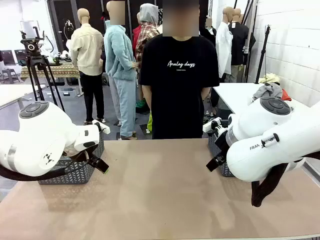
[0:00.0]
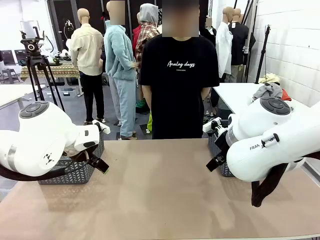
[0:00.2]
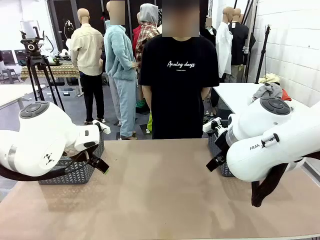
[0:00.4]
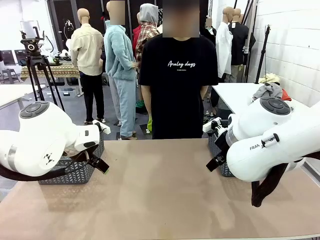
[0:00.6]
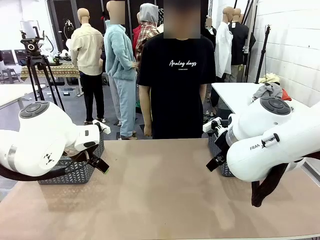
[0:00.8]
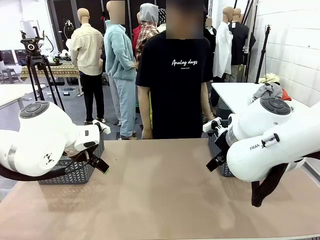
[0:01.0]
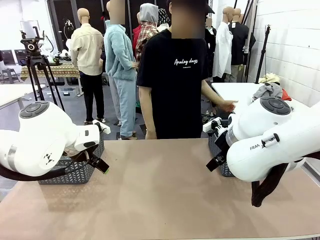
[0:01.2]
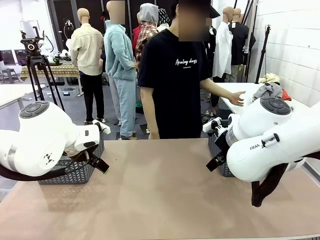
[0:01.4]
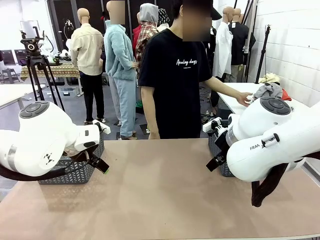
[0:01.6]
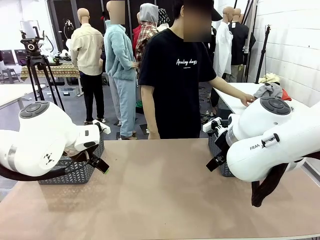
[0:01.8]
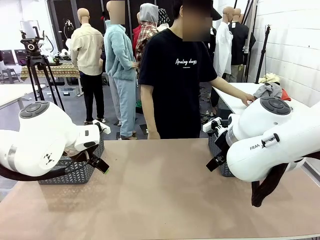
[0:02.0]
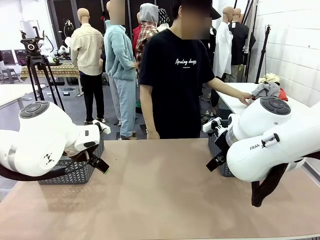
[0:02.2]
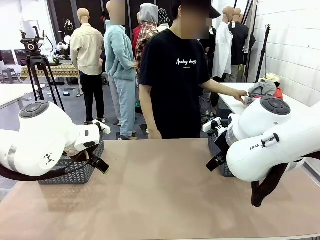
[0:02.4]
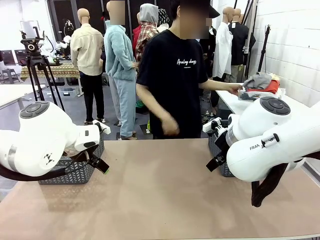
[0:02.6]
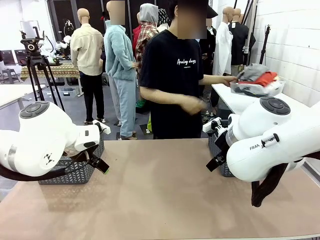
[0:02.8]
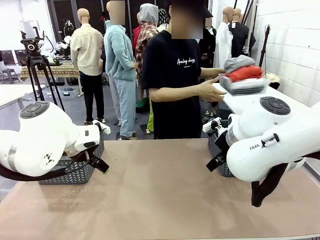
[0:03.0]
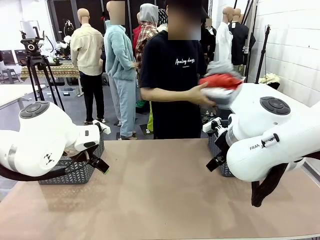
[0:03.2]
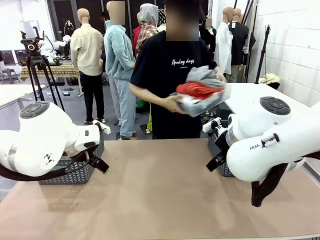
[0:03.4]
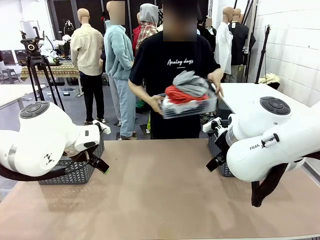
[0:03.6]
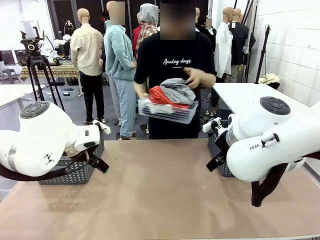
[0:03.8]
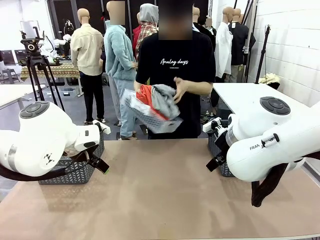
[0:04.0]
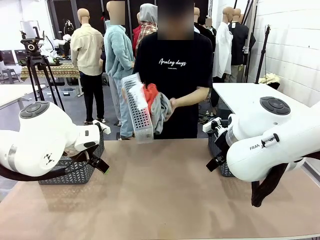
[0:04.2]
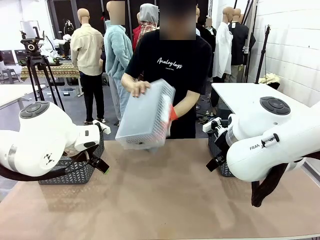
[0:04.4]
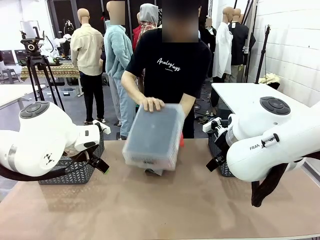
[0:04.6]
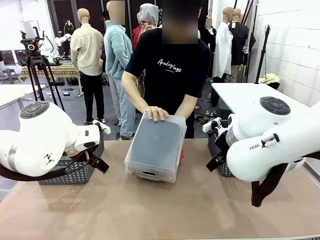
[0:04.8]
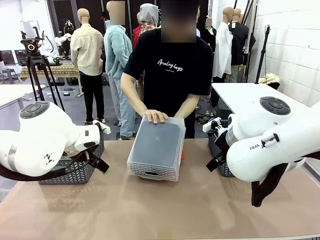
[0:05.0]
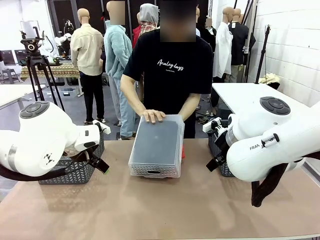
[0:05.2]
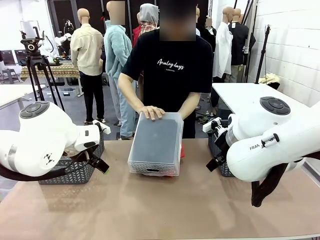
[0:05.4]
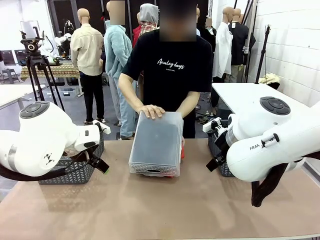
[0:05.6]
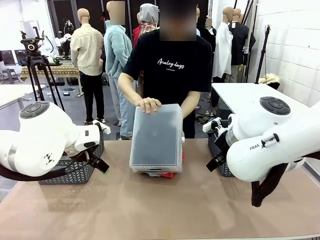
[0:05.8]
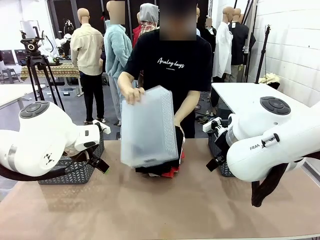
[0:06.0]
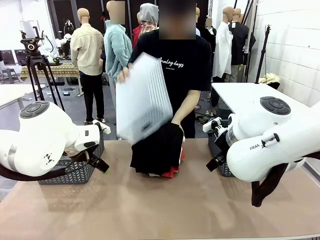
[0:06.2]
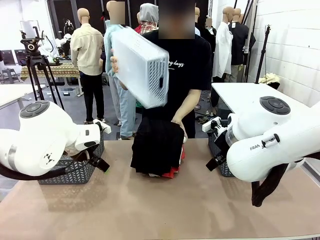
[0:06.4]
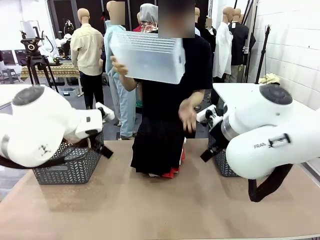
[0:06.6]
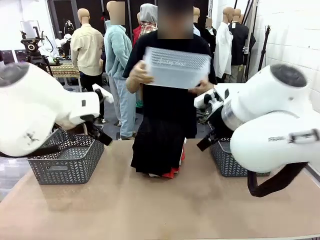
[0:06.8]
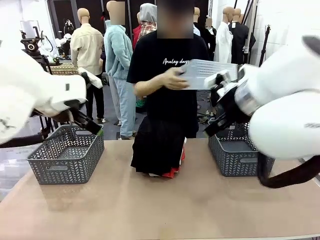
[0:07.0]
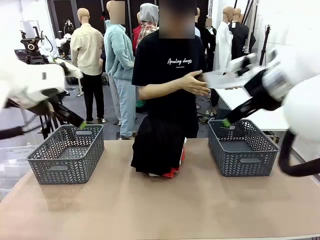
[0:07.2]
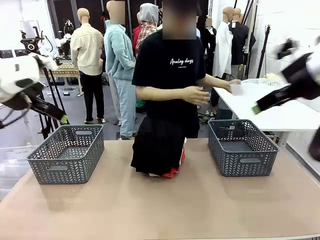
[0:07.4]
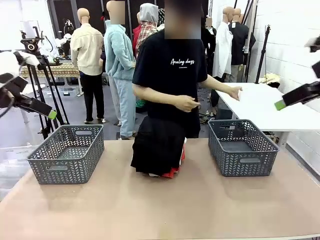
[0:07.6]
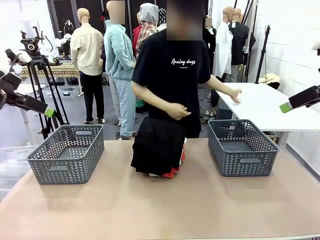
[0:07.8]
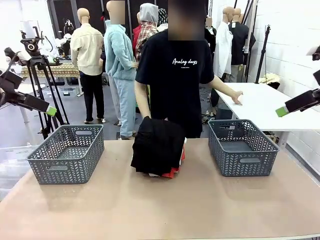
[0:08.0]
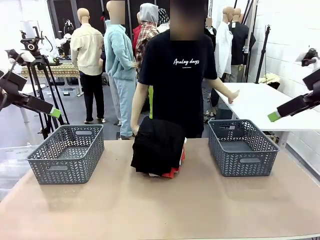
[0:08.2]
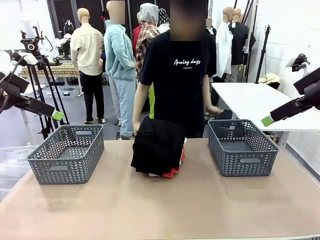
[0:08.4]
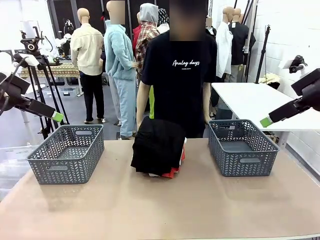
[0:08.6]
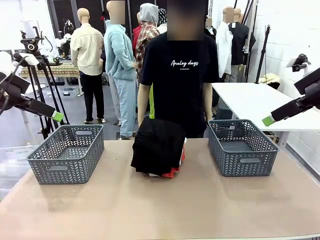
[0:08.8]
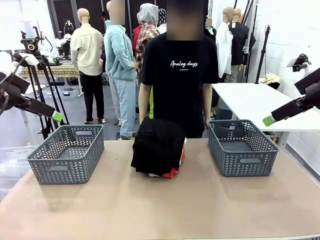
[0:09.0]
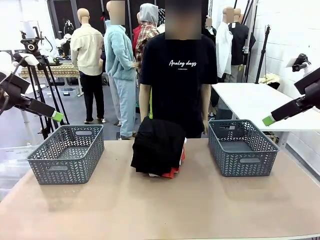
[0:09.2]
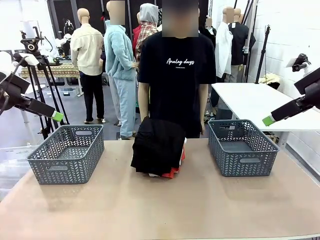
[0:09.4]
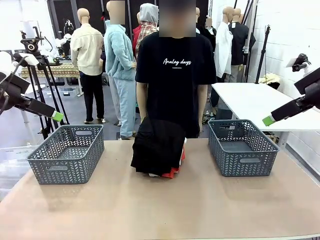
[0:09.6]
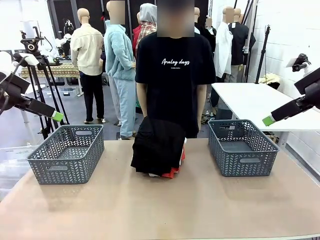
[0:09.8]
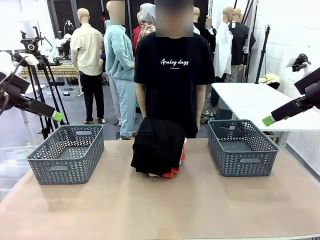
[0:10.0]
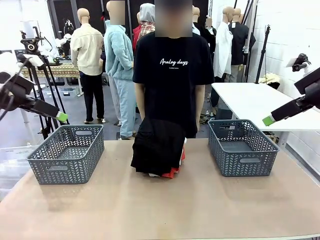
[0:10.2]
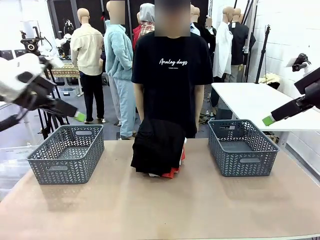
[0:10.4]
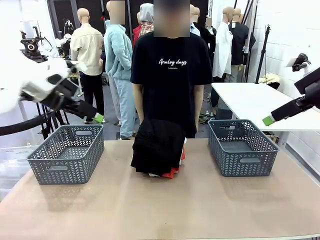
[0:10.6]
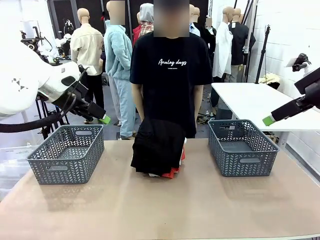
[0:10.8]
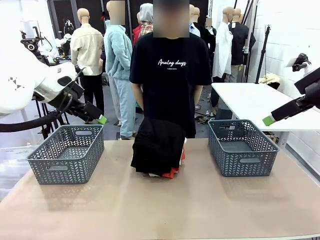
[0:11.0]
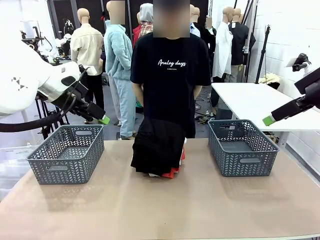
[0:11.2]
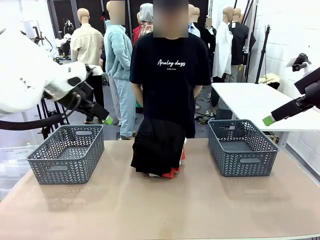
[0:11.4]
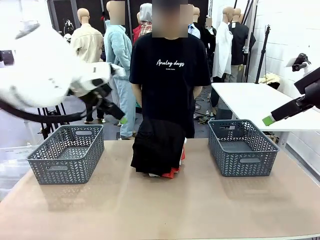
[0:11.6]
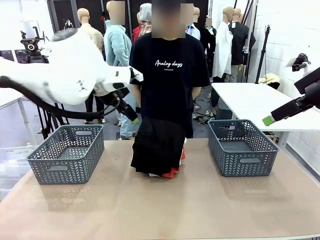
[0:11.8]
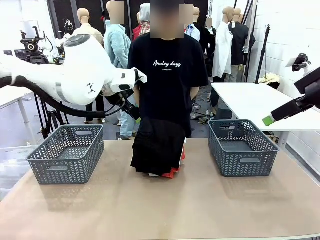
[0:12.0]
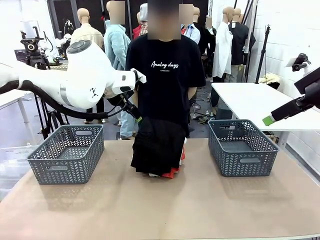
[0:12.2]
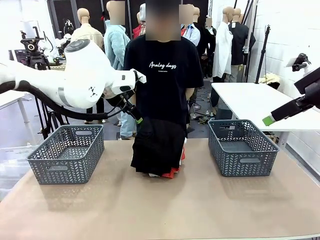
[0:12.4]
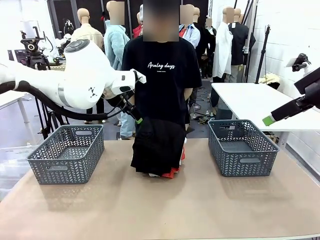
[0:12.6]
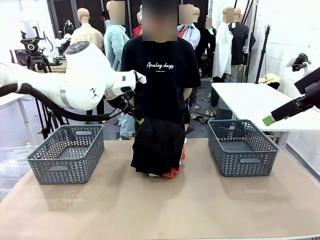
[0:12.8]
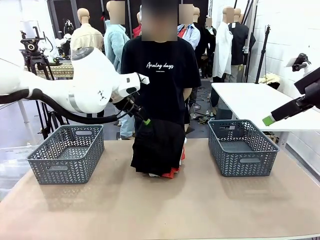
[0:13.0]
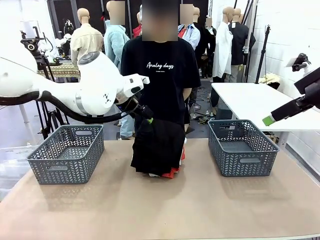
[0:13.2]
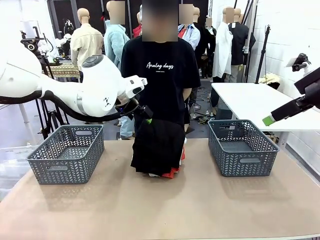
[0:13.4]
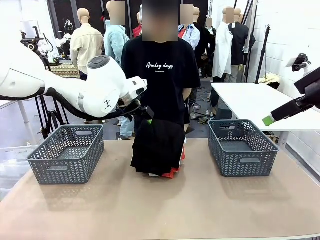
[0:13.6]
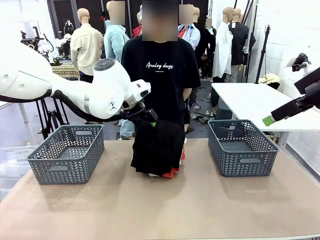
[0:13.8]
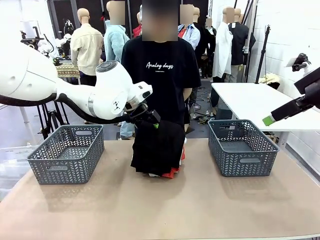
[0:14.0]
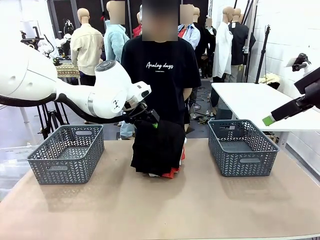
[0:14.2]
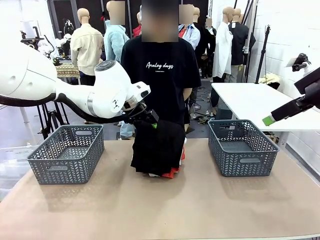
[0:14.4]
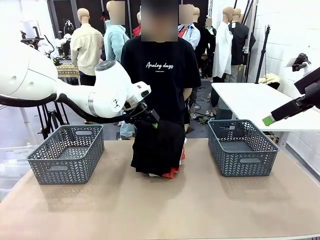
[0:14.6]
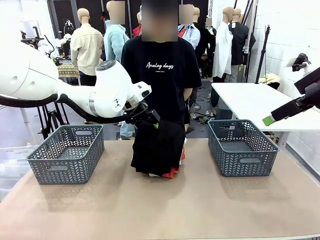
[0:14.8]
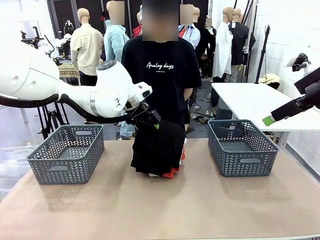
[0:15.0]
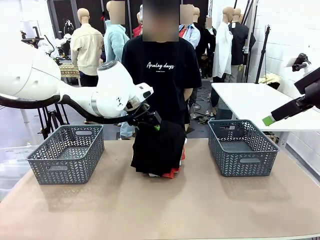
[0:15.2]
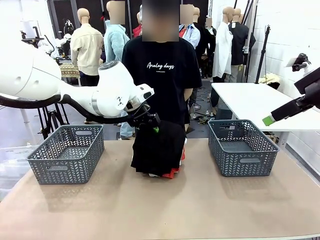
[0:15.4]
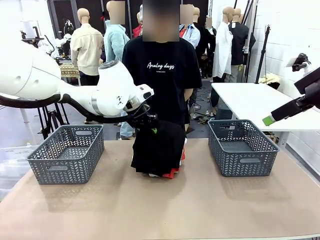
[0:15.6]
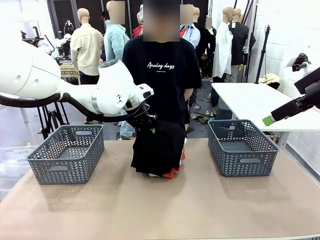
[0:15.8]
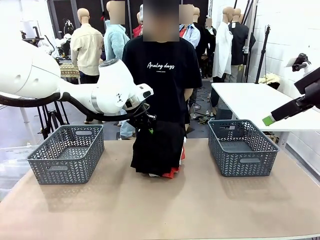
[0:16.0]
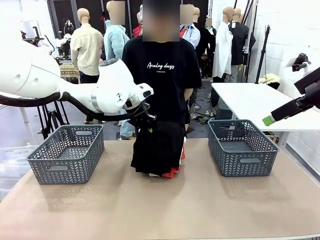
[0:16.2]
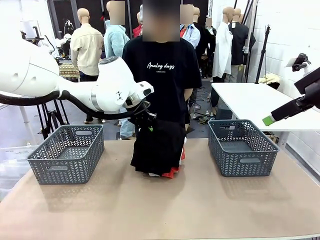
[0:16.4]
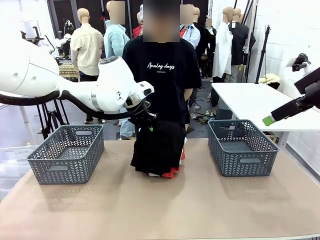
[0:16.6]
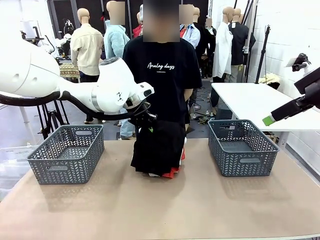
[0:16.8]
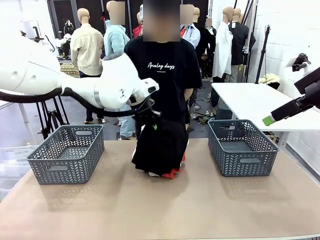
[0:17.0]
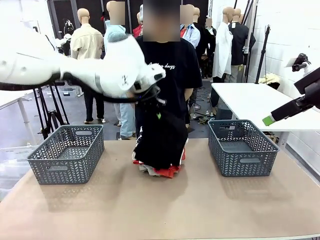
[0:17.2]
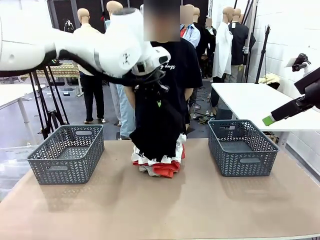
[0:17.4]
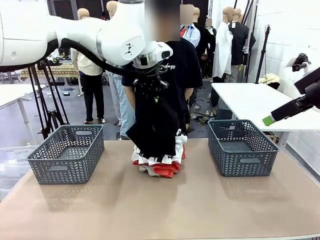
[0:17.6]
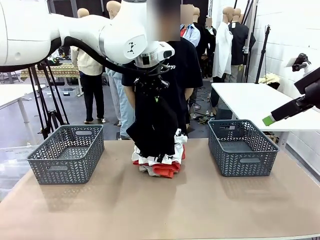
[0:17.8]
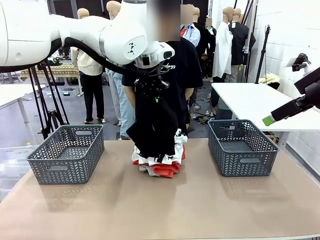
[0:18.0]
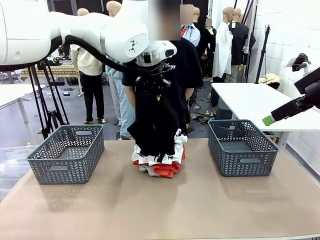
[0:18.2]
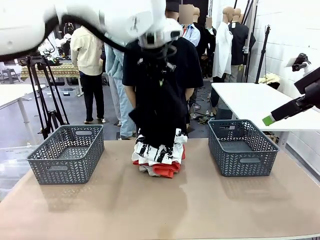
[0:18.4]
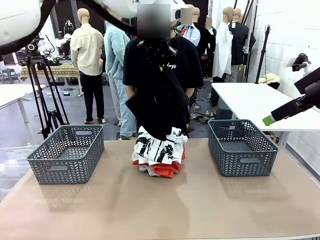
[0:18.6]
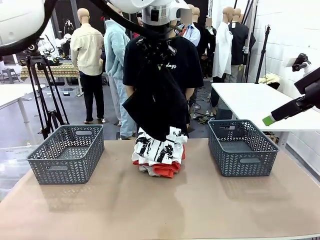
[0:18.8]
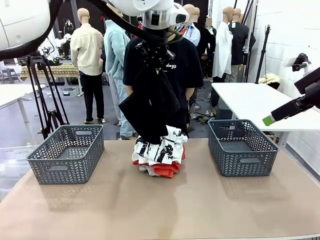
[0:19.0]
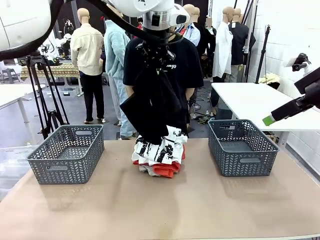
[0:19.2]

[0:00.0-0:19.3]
Task: Sort the tops and bottoms.
Robot: Lift clothes from the center of the table with your left hand.
Person: Pour the clothes from the basket onto the center of the robot table.
